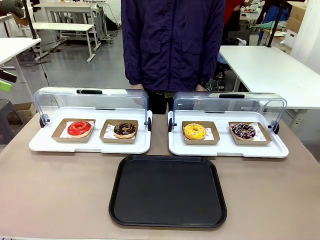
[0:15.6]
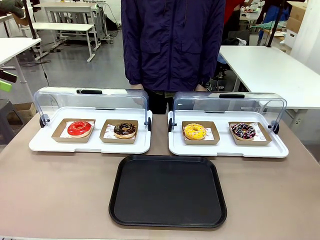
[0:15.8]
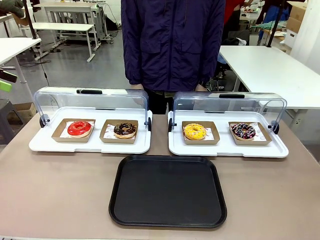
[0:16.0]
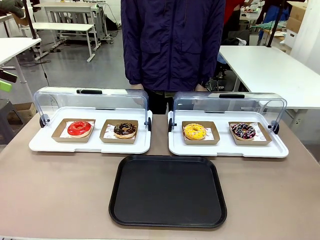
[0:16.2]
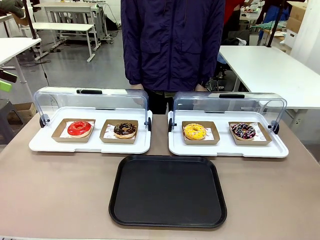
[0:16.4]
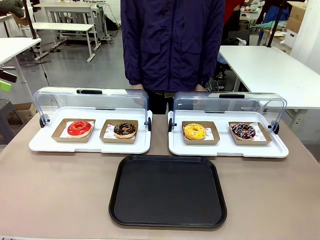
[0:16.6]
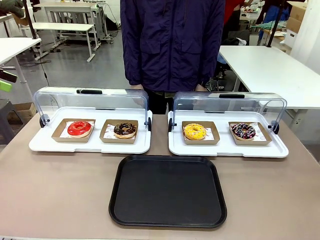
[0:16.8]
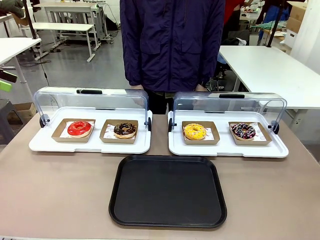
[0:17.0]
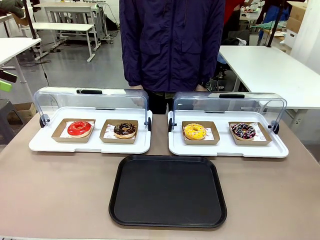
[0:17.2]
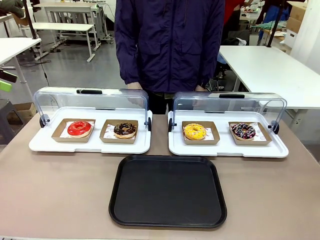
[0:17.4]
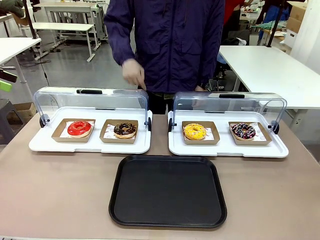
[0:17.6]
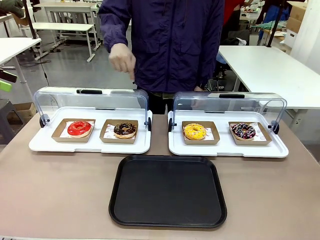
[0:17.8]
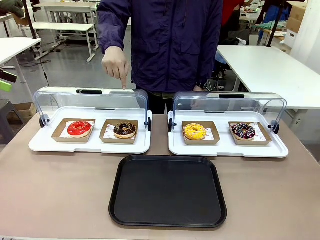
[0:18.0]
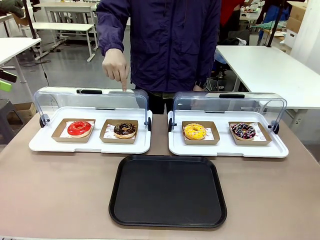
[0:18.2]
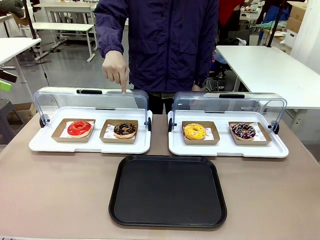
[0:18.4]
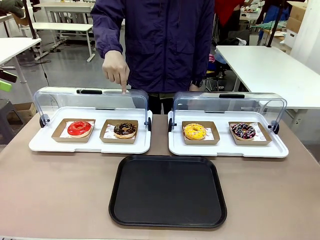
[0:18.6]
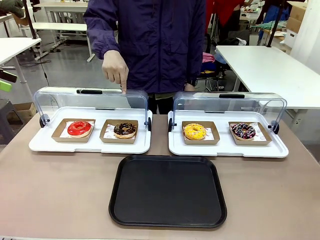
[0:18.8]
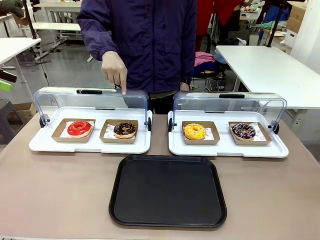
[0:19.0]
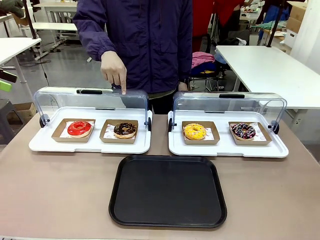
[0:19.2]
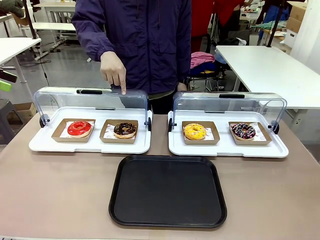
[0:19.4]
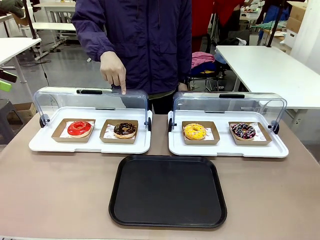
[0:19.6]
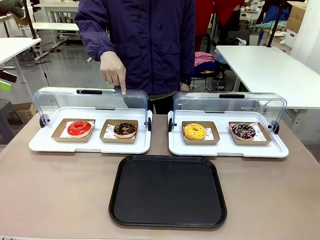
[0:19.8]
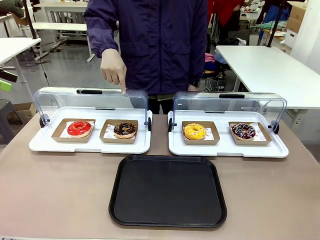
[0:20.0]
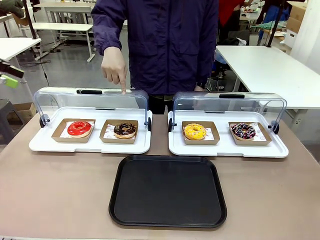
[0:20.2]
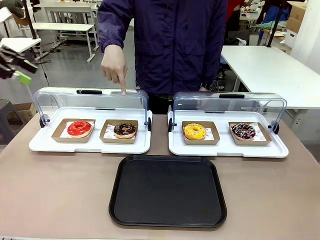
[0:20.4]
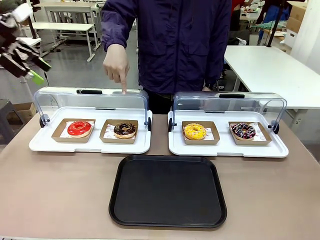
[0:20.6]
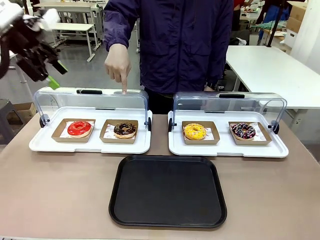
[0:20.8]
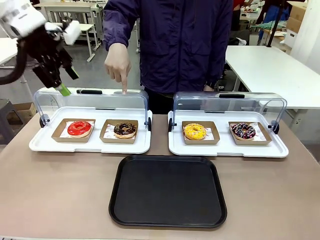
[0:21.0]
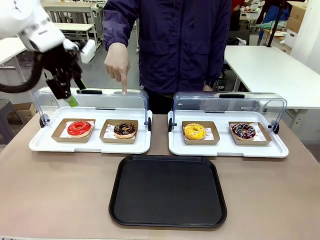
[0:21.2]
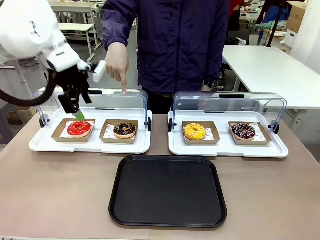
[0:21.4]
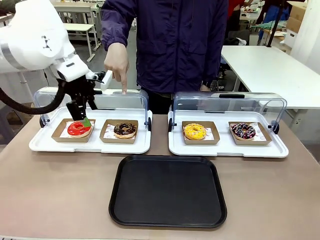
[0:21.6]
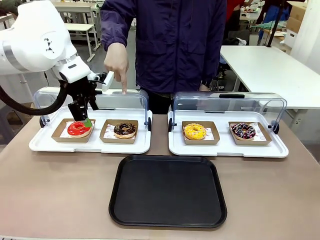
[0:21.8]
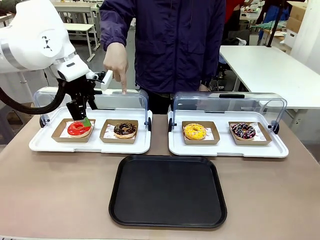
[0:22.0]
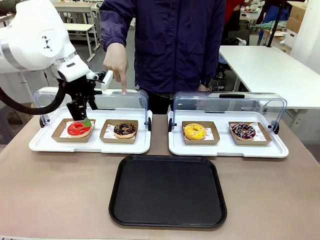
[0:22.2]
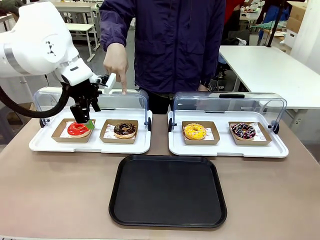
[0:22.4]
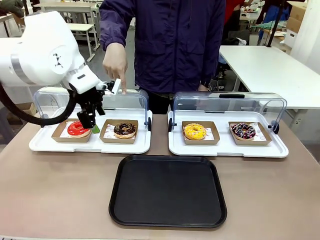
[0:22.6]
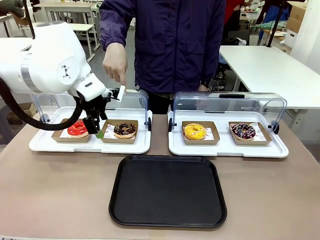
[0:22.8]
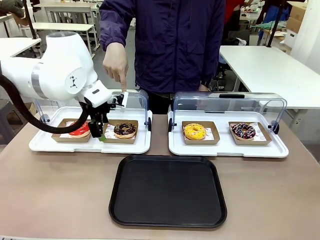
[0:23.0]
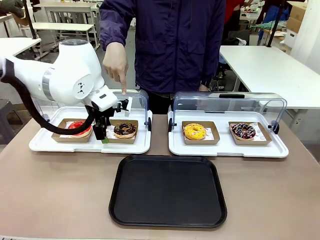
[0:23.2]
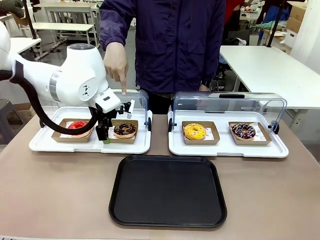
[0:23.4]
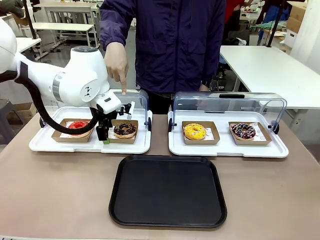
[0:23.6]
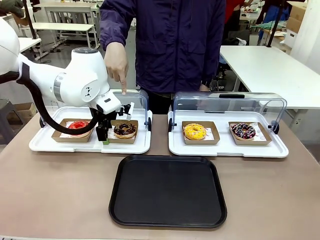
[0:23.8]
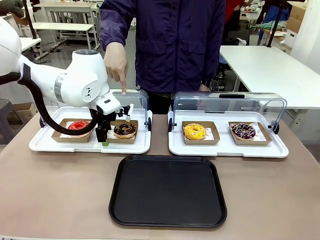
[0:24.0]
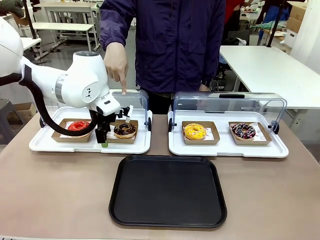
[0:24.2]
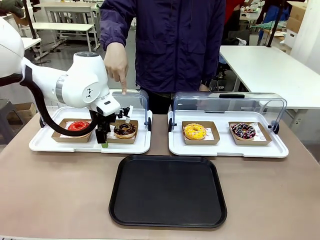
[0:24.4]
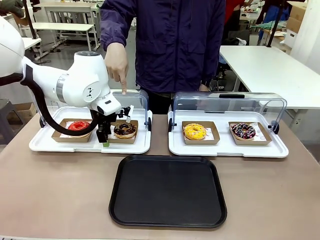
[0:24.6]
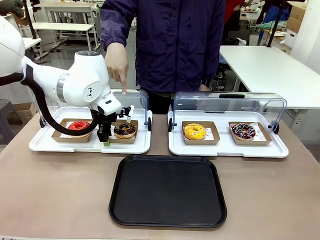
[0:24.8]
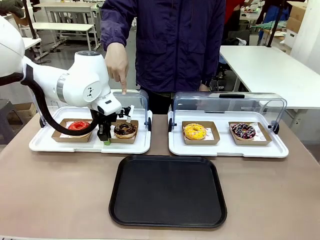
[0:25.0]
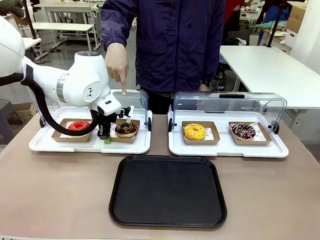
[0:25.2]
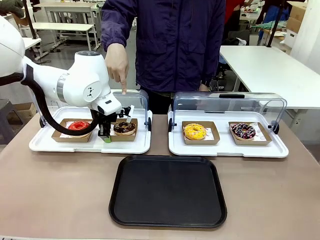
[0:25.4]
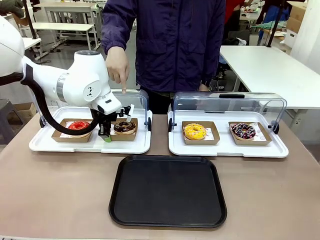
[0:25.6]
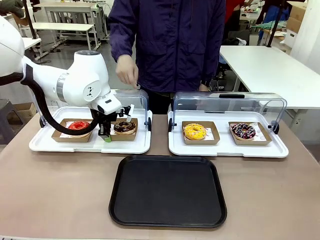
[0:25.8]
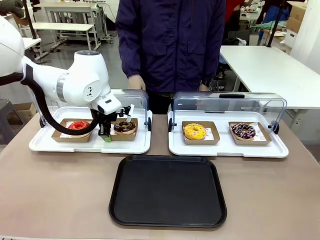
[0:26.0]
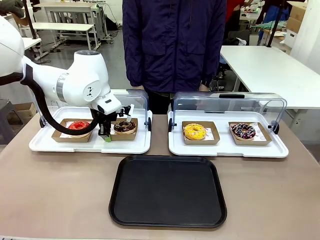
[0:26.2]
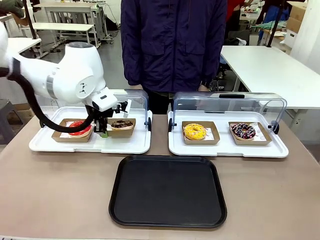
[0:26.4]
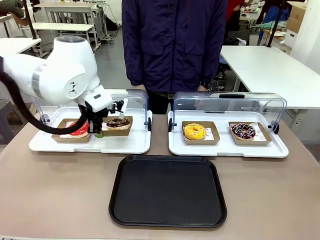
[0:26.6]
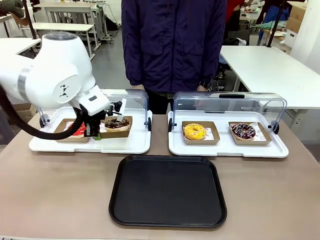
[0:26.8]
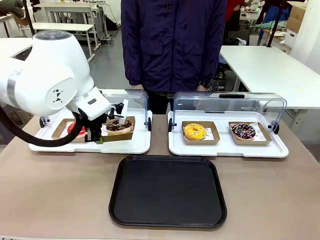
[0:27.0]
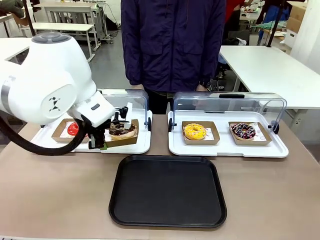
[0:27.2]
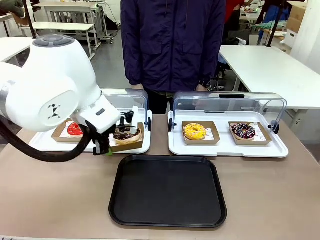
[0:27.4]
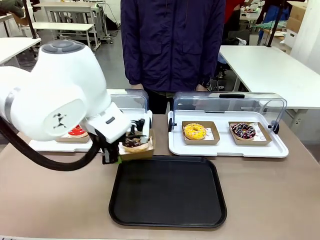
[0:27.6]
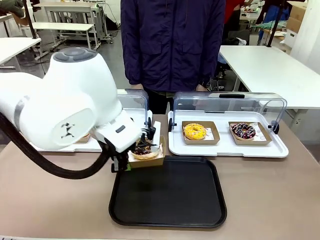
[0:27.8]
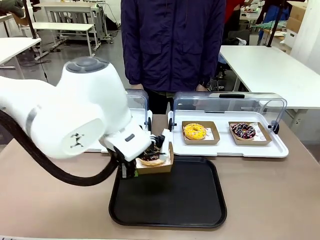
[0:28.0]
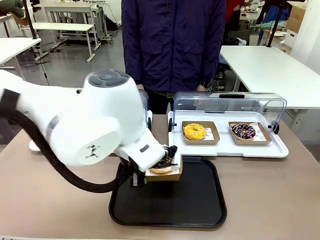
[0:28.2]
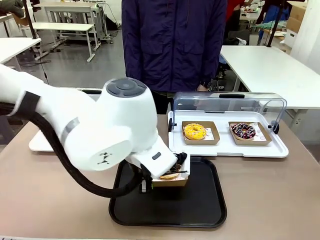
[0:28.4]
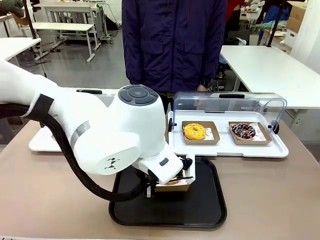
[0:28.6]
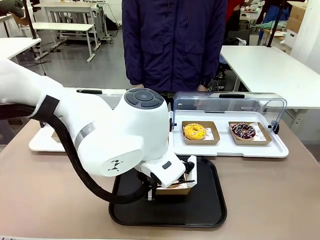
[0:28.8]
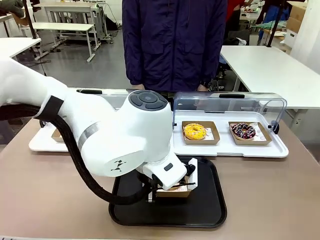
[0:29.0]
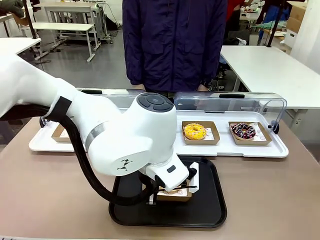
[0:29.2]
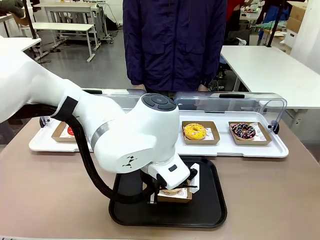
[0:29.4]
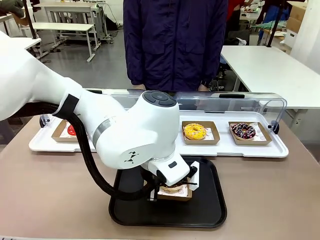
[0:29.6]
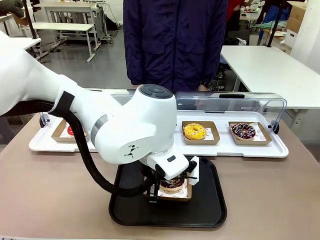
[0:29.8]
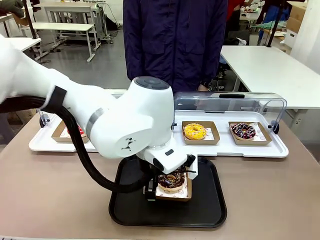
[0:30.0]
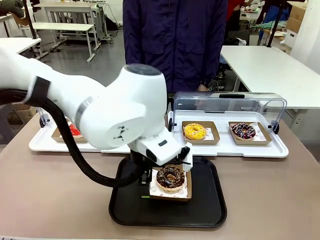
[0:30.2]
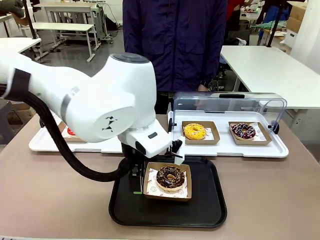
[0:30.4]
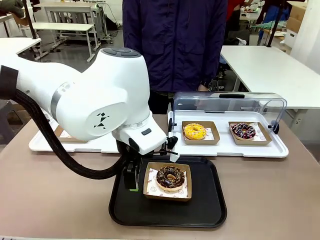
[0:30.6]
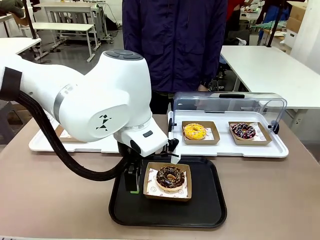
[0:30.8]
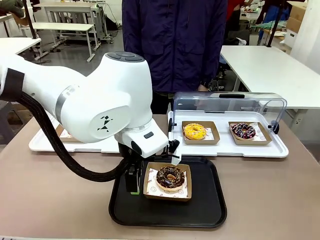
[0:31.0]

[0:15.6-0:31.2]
Task: Move the second donut from the left to the tray.
Robot: Pick up the Paper togo box containing the Donut indicated by the person and place it on the Handle tray.
